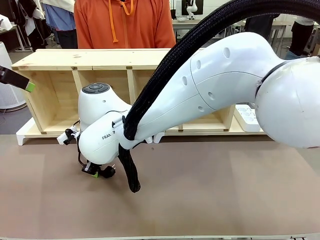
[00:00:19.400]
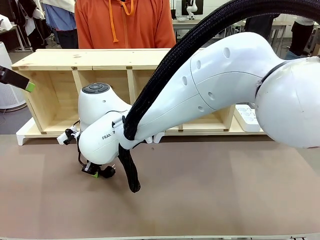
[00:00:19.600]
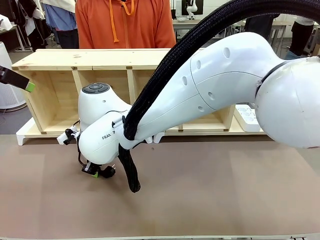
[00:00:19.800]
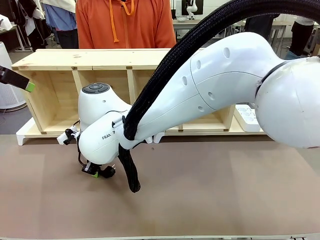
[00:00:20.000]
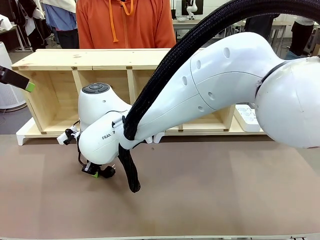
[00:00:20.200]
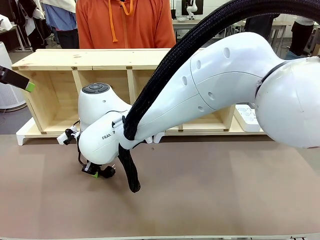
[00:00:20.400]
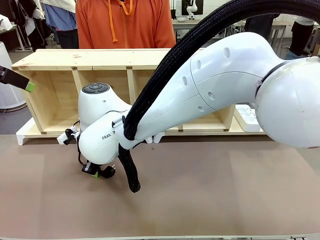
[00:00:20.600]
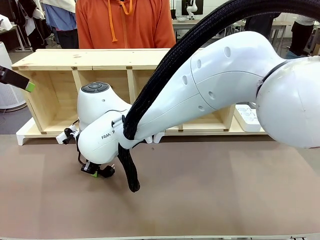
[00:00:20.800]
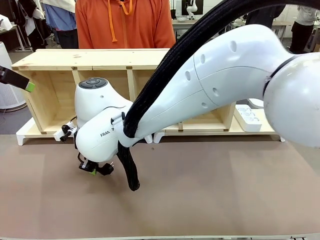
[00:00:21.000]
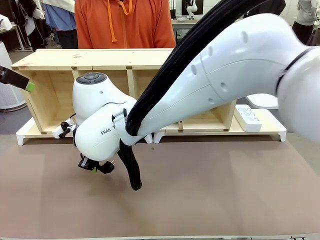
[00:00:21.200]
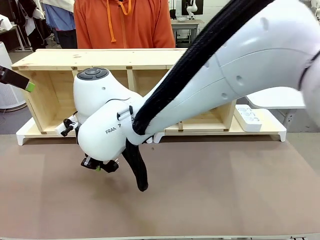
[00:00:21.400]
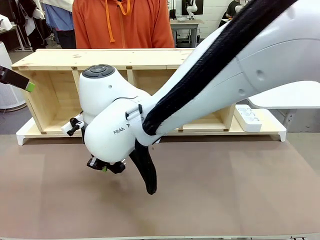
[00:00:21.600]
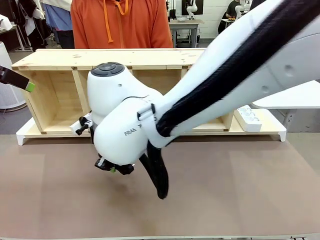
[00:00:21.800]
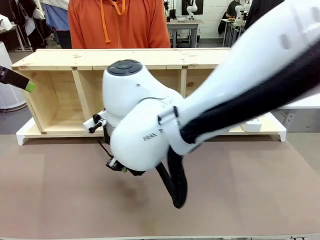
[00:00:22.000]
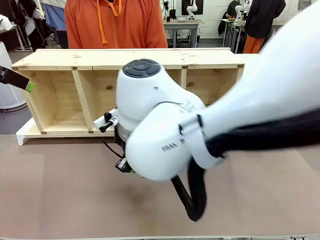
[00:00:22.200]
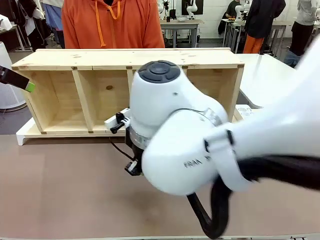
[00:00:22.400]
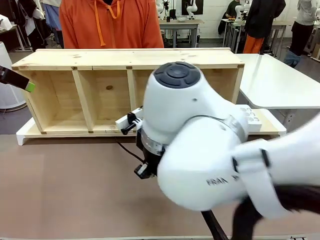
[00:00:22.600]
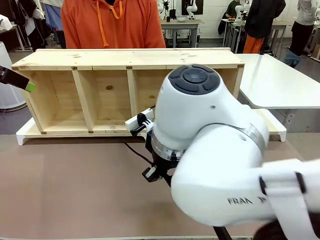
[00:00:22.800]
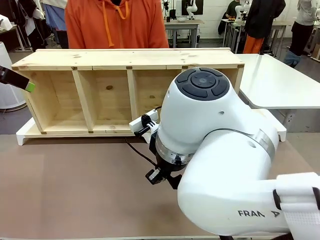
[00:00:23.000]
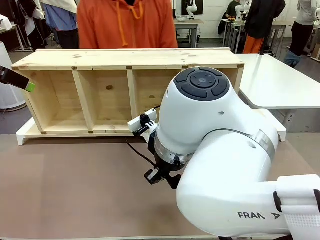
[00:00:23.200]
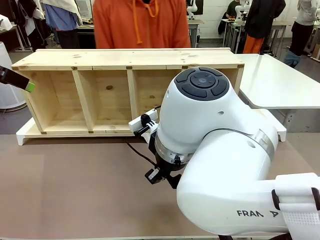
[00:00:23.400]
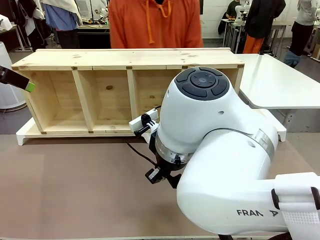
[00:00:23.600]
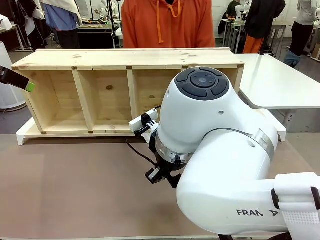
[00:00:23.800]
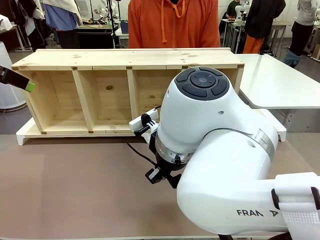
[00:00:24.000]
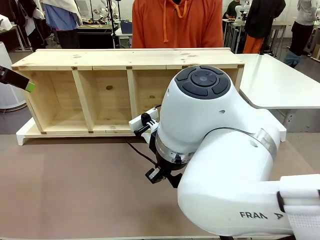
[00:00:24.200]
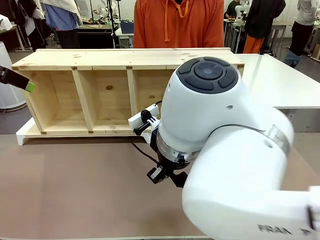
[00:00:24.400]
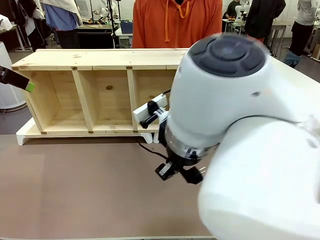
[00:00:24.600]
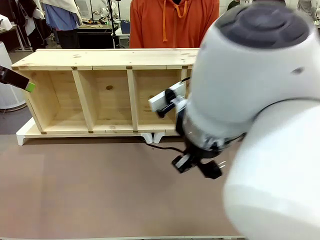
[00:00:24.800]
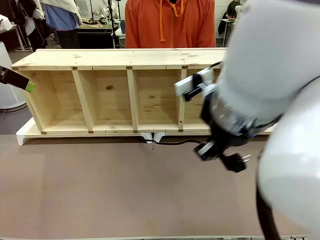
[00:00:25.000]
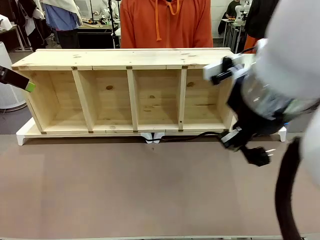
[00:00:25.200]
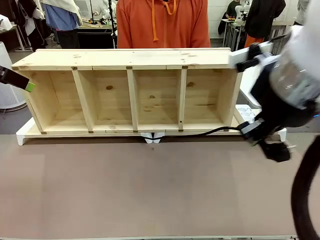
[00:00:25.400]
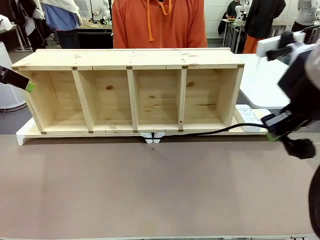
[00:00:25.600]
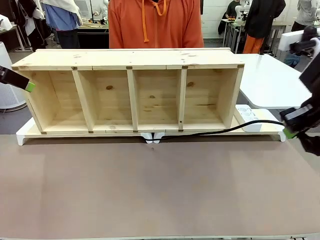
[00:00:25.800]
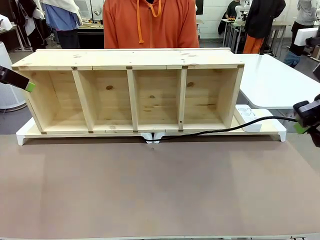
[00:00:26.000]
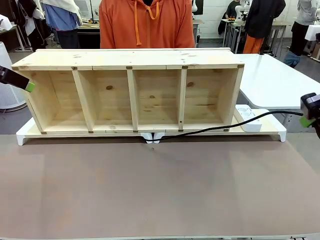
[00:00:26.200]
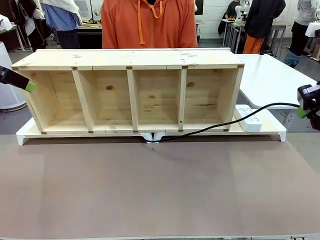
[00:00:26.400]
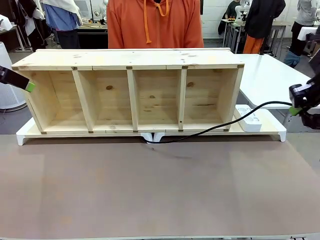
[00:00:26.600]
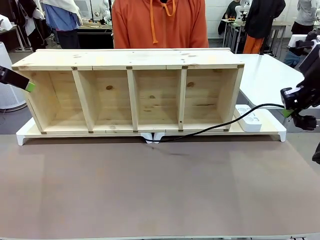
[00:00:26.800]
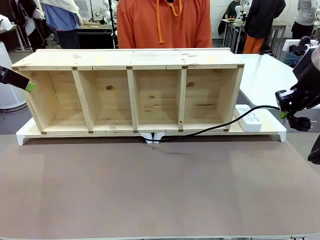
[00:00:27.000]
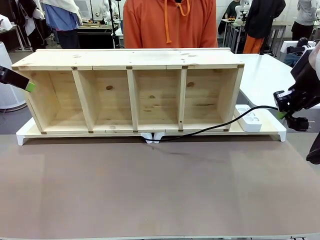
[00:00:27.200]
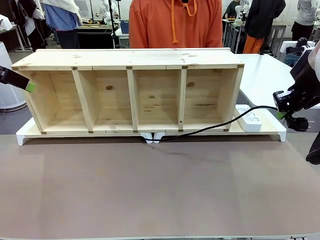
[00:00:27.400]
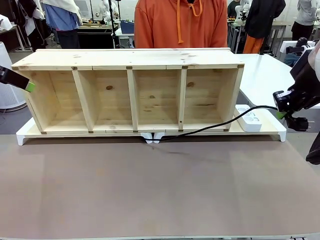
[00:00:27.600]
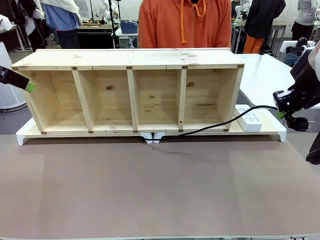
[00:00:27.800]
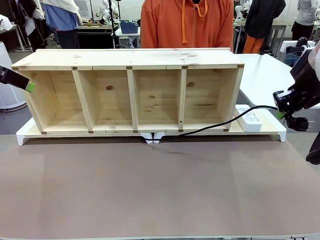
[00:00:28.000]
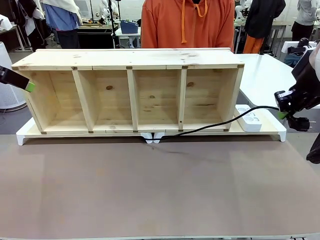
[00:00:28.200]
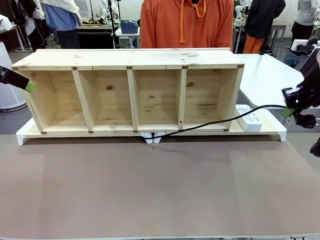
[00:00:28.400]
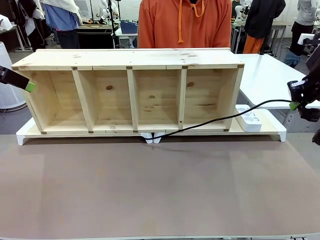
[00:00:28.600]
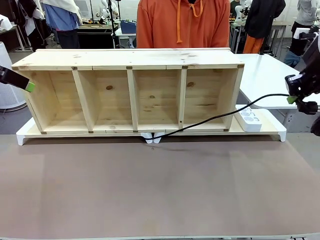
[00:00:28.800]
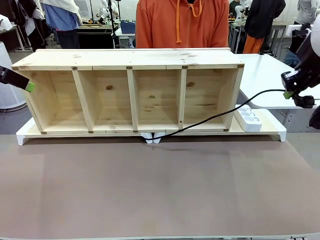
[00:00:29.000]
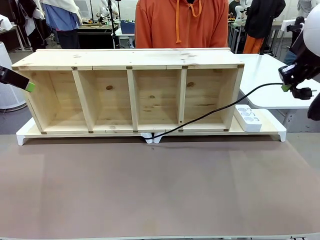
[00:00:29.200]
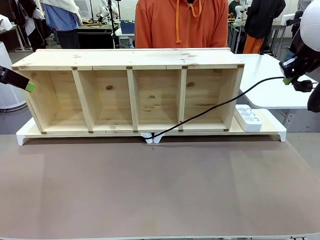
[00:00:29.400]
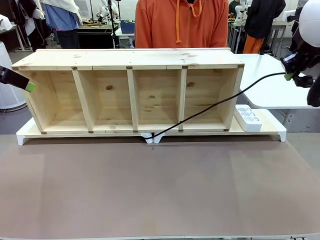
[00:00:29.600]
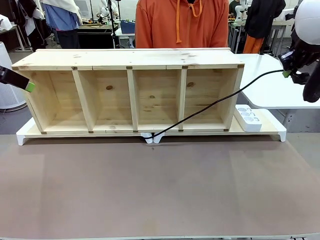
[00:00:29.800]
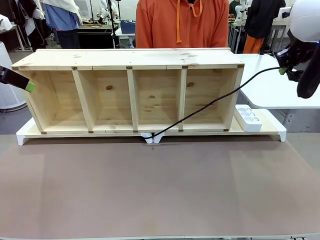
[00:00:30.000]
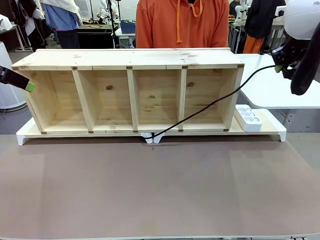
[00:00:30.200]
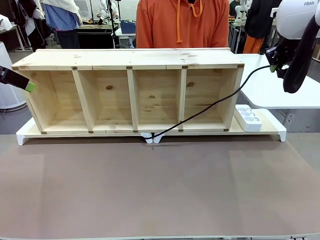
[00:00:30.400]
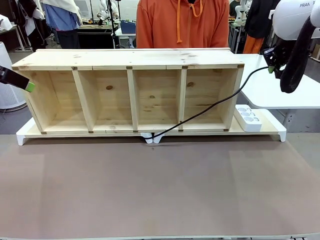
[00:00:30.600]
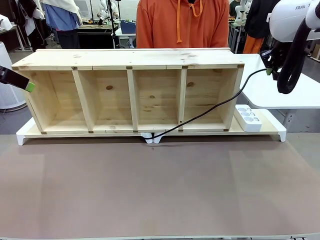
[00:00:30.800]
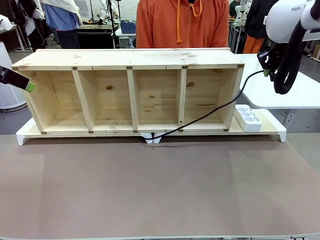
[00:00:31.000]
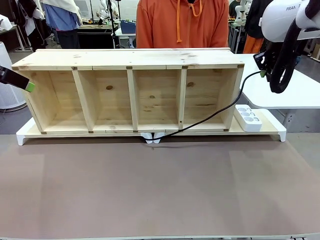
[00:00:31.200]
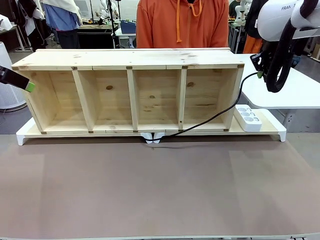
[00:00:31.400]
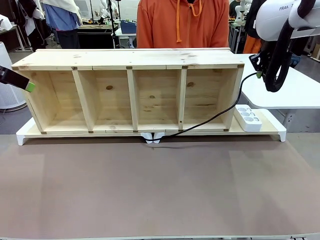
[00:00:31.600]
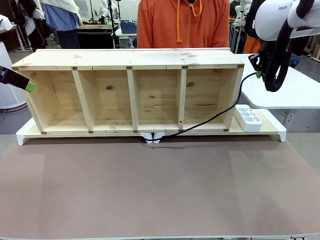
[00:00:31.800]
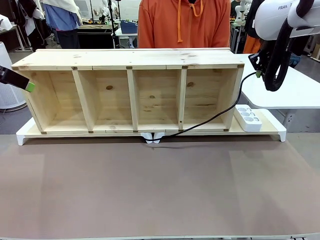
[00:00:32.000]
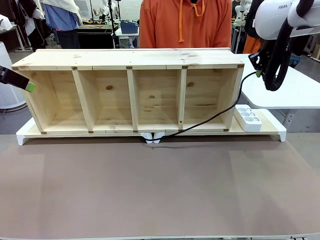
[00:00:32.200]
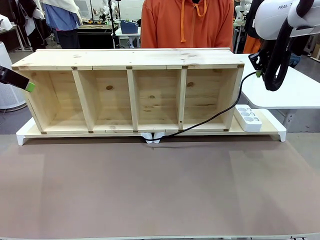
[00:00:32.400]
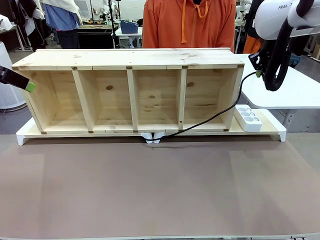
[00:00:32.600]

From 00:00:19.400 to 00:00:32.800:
Task: Perform cable management.
Robot: Pull the grasped Power Cable to the location of the Power Strip.

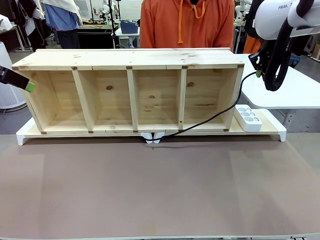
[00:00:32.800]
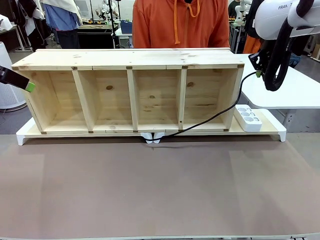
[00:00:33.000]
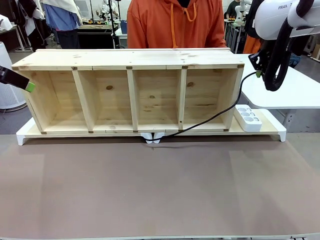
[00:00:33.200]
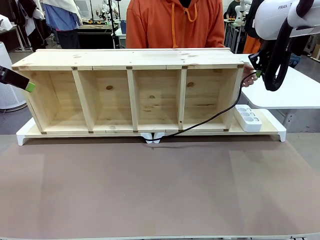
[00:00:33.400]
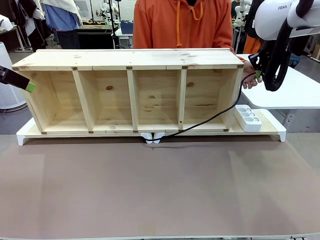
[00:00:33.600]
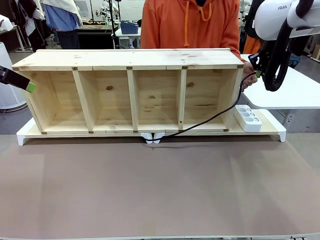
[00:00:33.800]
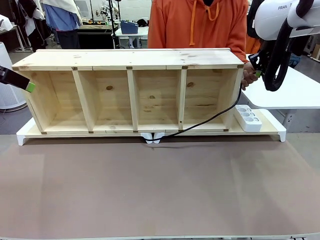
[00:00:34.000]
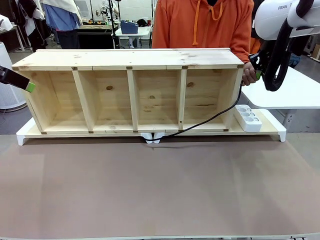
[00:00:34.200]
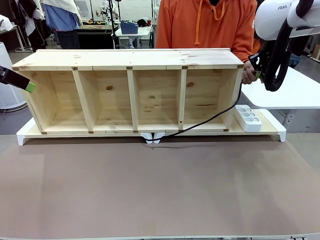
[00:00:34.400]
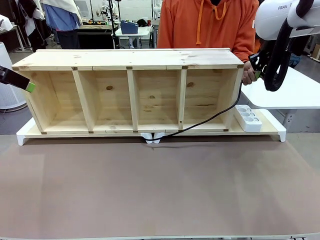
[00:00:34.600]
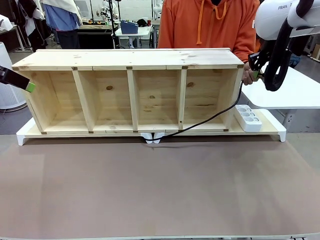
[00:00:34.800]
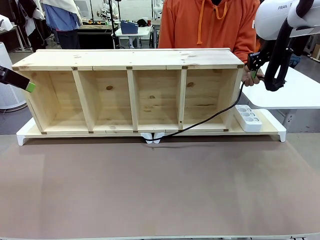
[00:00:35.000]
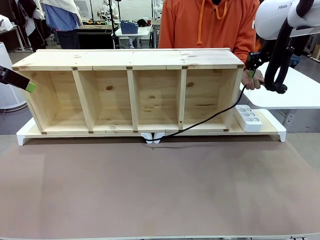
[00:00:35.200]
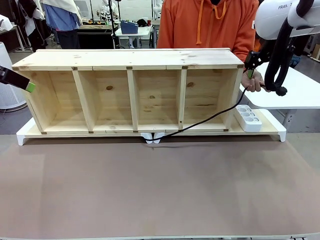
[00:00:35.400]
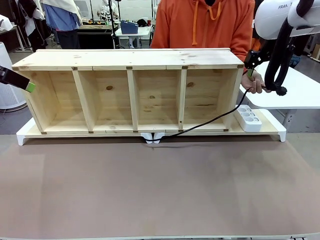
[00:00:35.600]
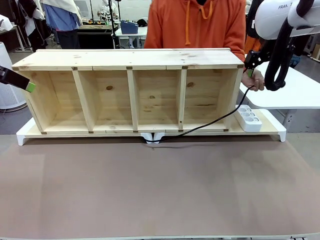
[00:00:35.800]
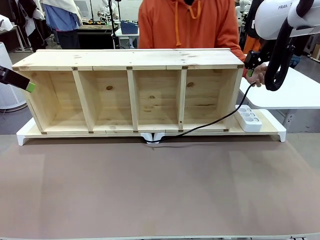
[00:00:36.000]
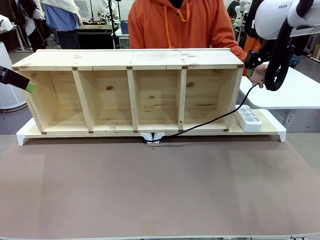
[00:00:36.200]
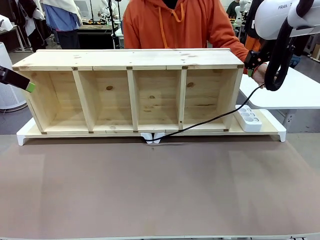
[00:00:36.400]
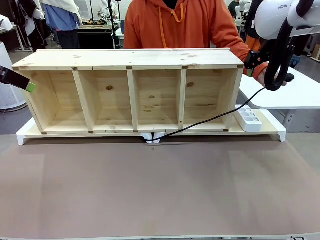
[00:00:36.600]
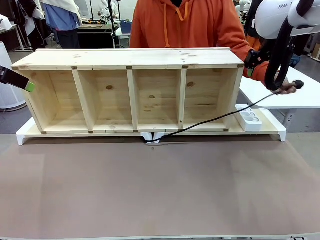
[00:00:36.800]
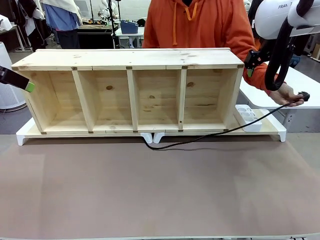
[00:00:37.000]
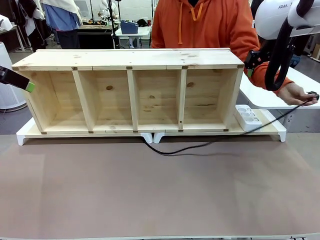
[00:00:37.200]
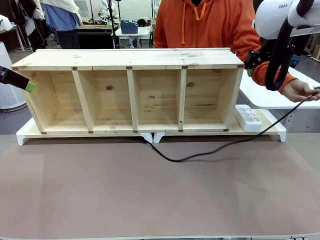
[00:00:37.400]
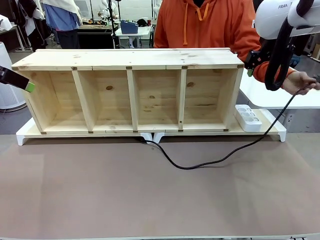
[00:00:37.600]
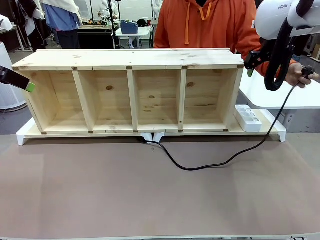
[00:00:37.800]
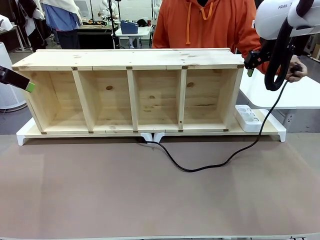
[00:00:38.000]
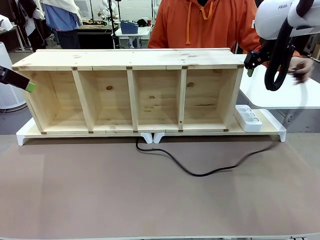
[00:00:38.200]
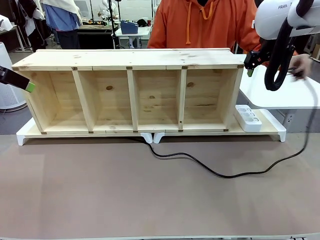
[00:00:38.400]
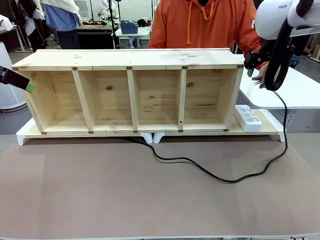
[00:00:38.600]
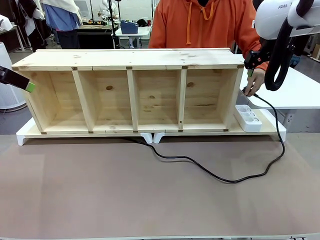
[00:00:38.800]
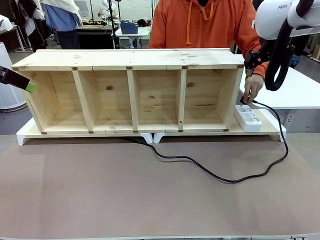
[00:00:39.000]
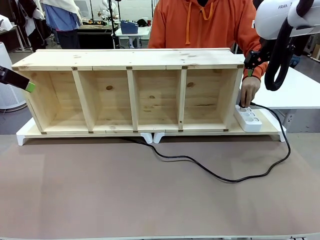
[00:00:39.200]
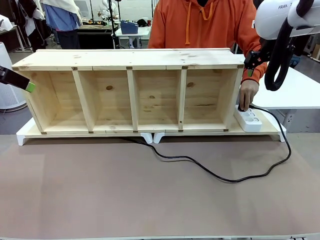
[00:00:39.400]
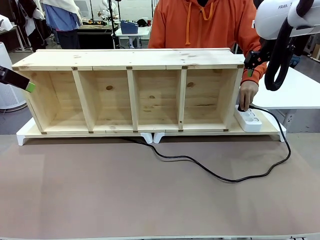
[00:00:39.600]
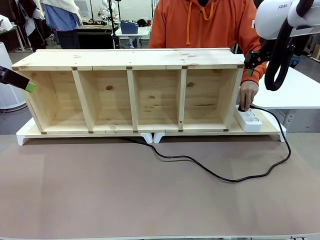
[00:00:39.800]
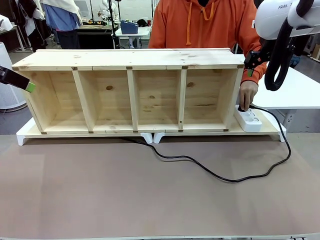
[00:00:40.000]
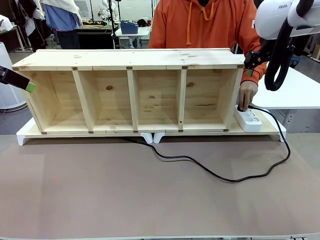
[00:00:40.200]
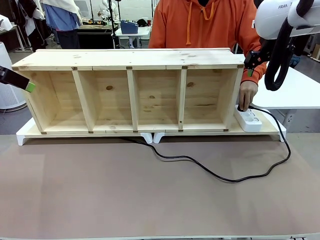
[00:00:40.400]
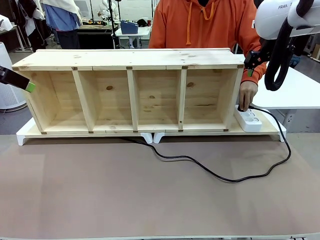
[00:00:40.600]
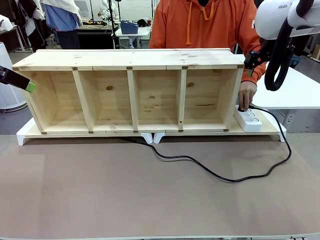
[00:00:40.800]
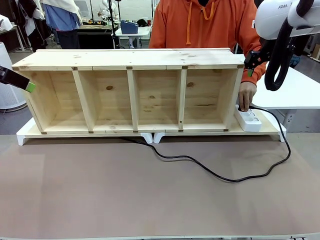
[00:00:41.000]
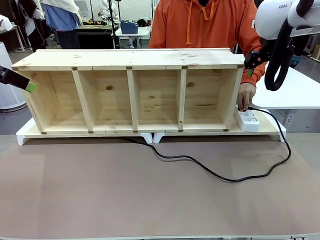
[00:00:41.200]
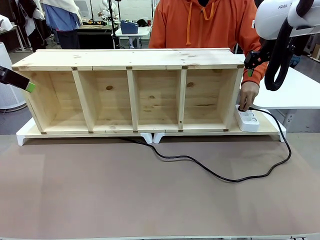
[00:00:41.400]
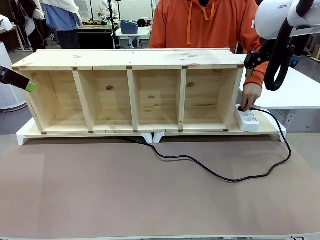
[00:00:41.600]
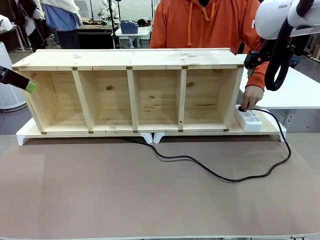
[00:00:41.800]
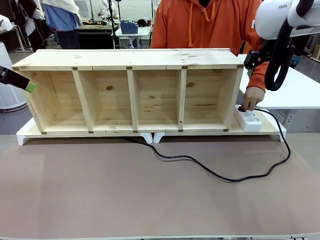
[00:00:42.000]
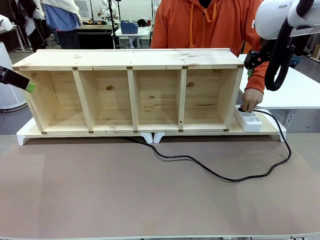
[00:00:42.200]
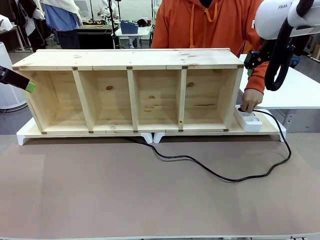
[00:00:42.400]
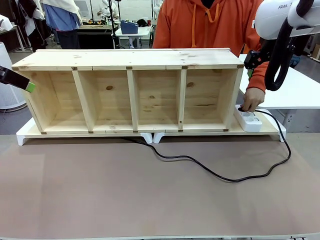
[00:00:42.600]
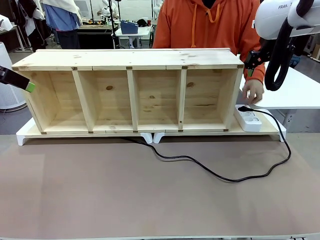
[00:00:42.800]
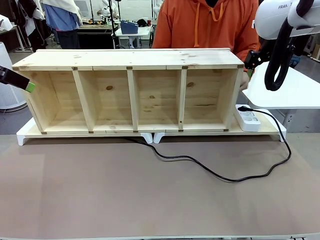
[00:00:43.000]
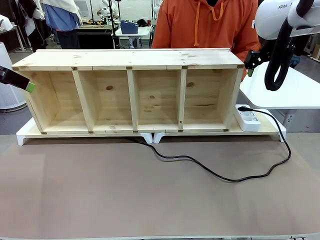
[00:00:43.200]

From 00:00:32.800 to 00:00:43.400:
Robot: Release the Power Cable when the human grasps it.
Person: Plug the Power Cable into the Power Strip.
